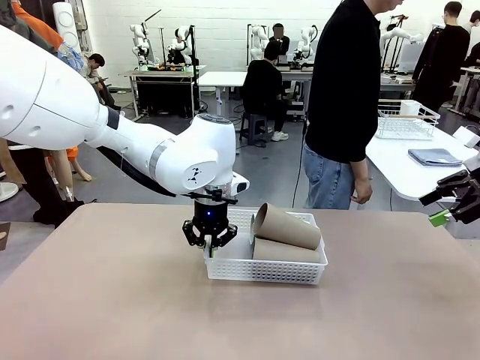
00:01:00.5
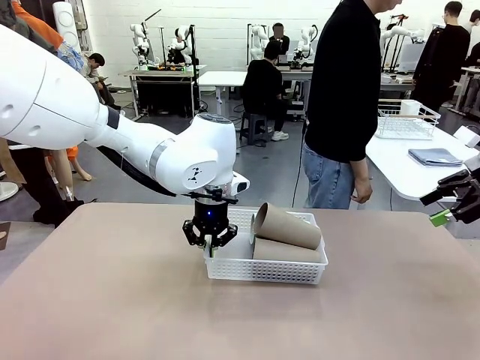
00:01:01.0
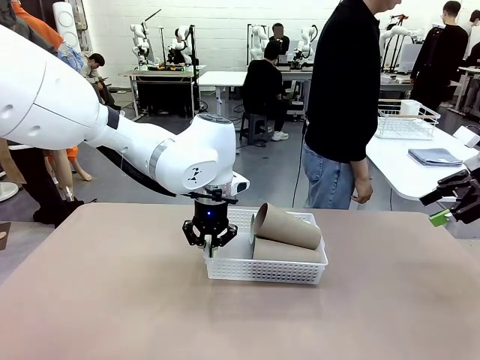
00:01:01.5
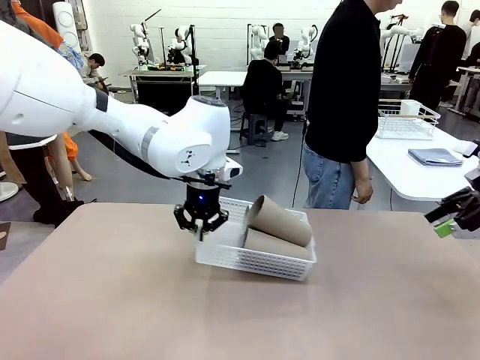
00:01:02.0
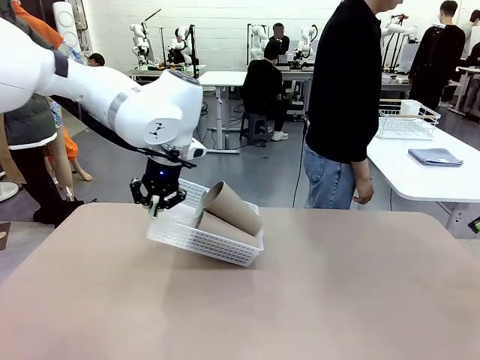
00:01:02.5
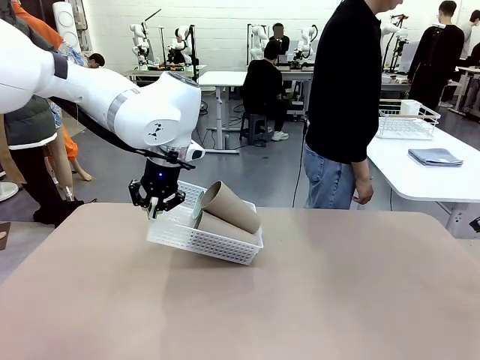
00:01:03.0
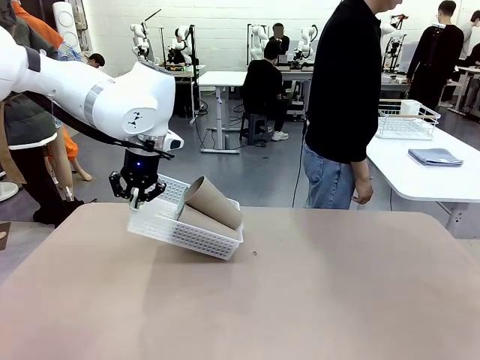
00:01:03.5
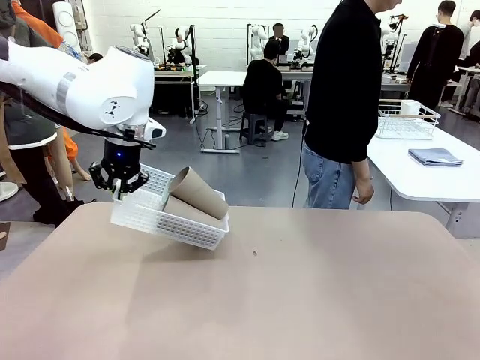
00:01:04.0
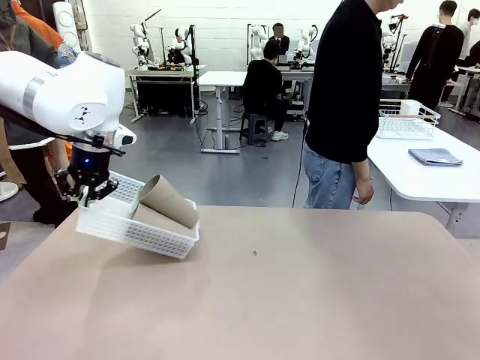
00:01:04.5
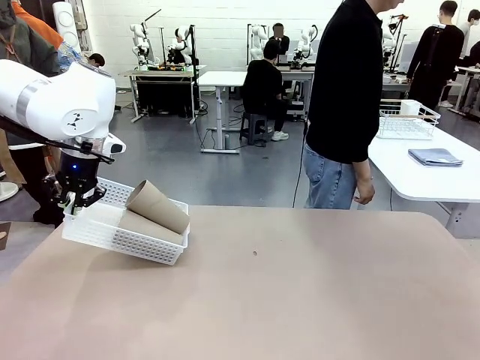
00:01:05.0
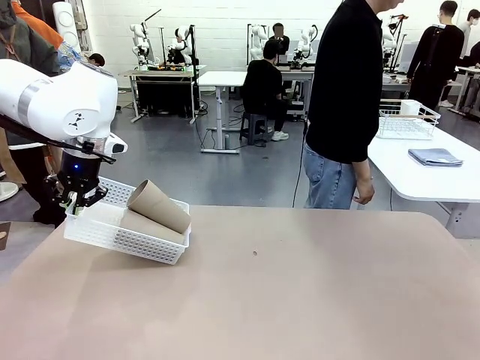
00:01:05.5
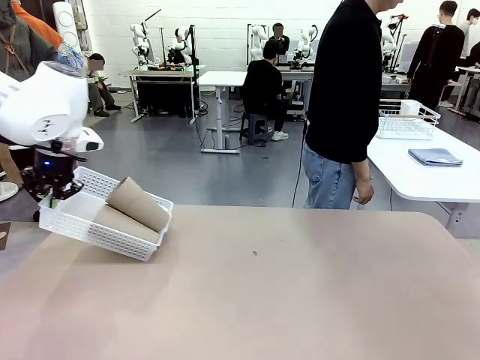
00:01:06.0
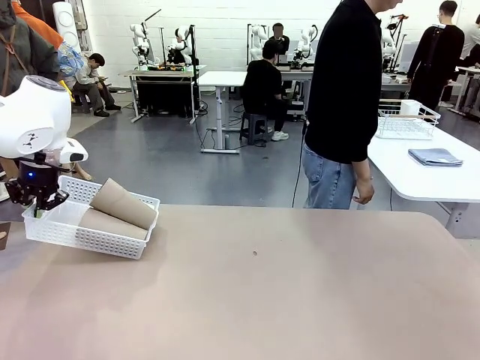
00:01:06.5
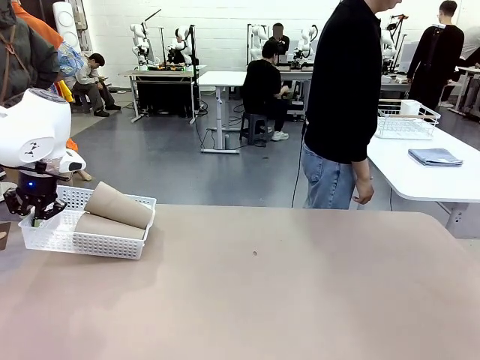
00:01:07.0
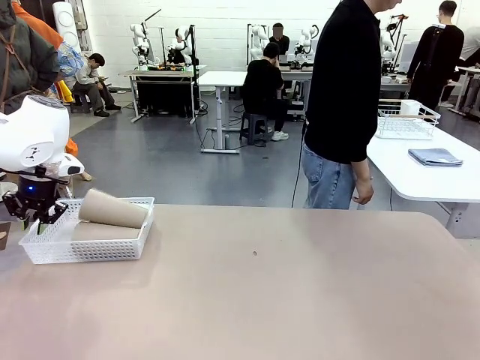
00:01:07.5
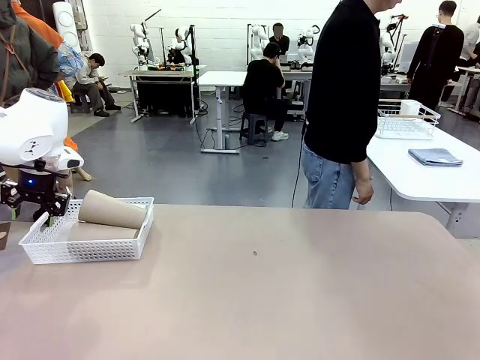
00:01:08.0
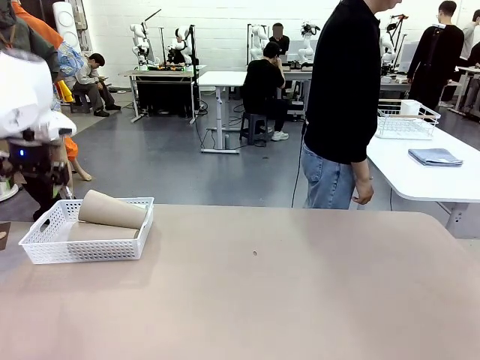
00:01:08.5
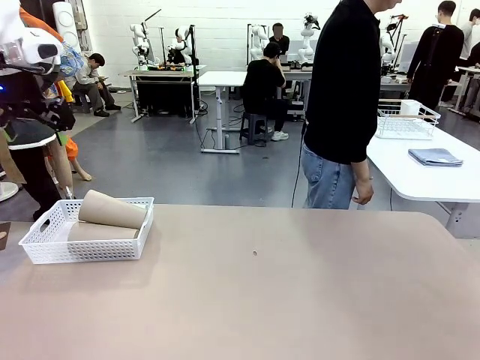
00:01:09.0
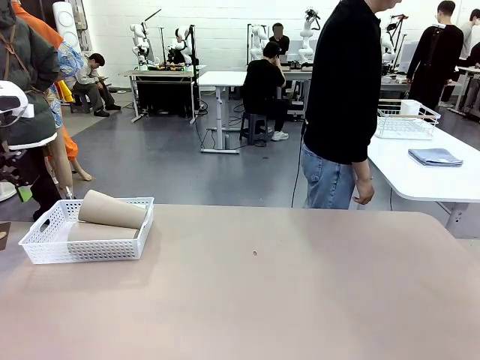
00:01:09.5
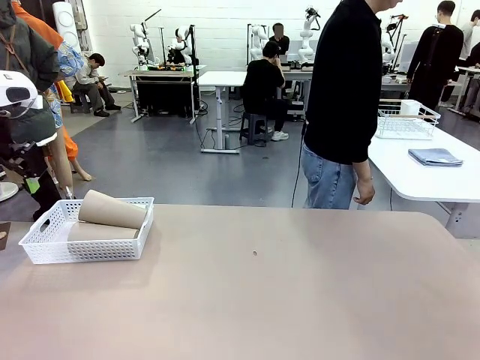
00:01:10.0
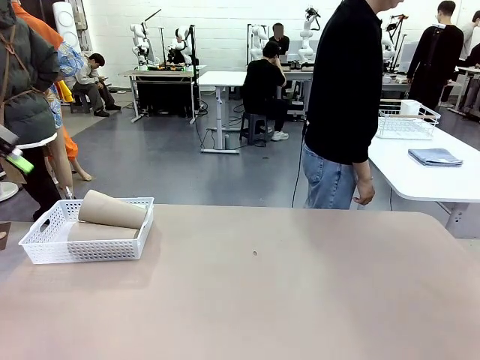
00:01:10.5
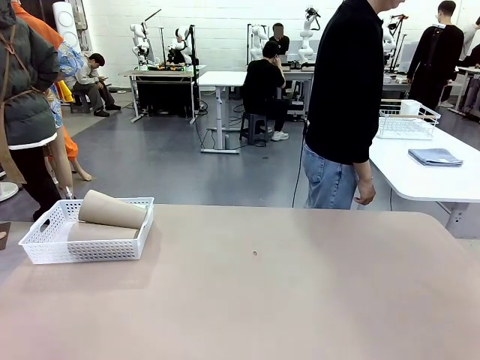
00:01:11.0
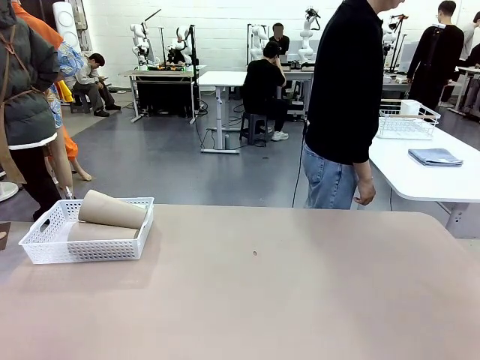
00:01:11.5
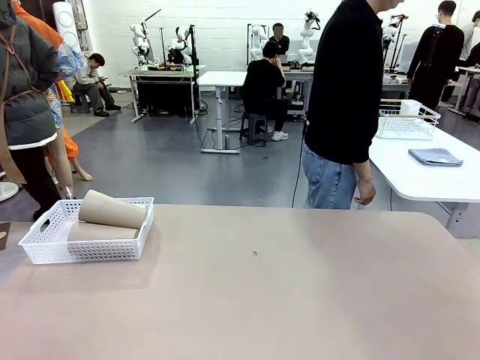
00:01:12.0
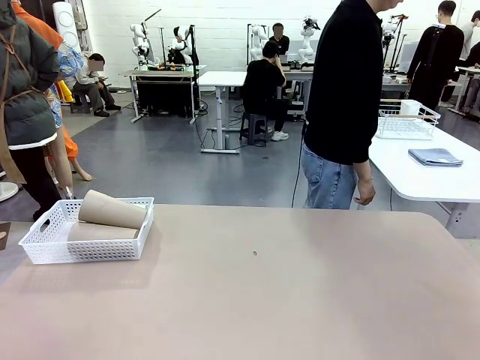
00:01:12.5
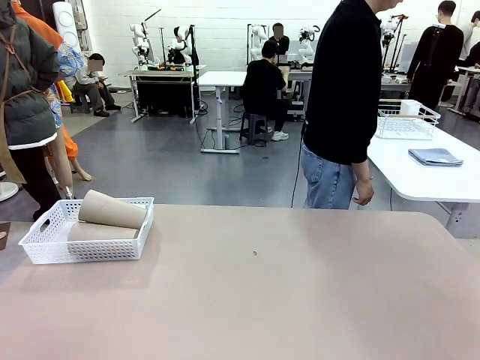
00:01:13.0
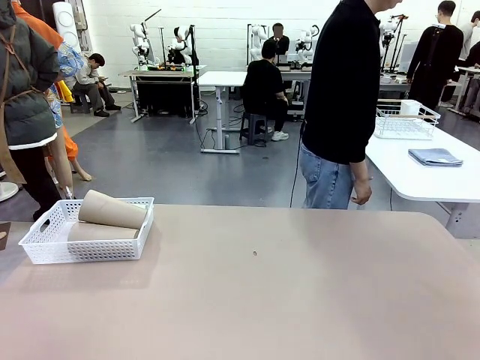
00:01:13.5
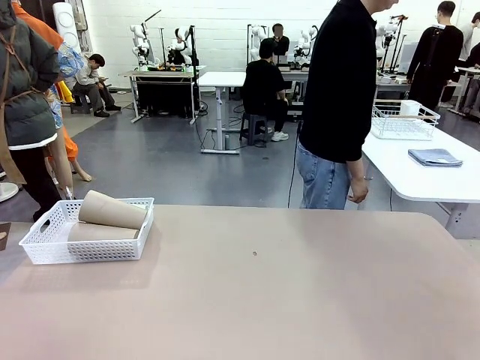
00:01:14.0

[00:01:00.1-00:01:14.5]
Task: Clean and organize the cups into the basket.
Robot: Move the Organizing basket back to the left side of the table.
Person: Folds the towel in half twice and places it in the right of the table.

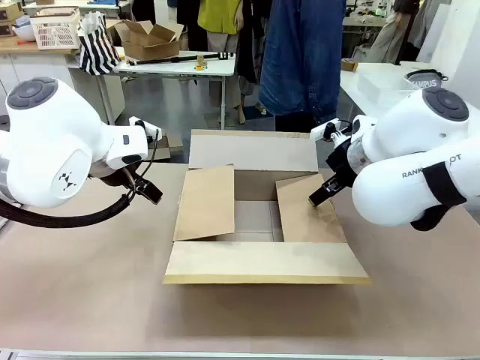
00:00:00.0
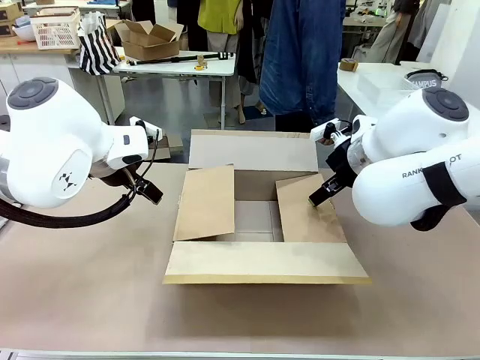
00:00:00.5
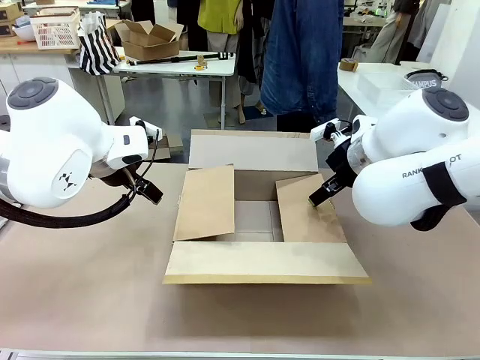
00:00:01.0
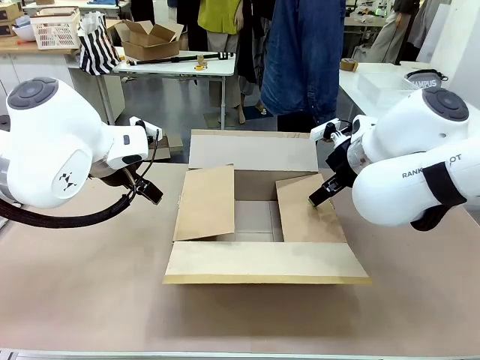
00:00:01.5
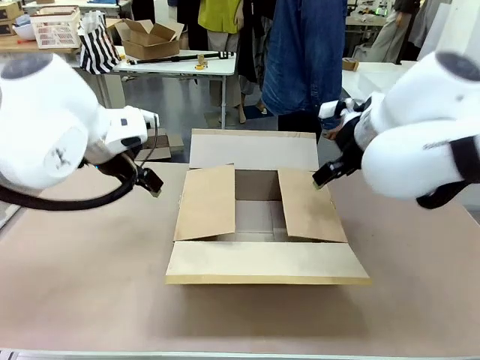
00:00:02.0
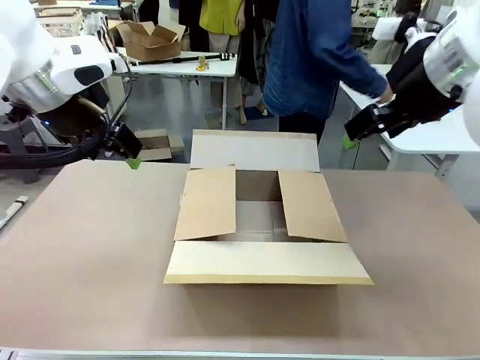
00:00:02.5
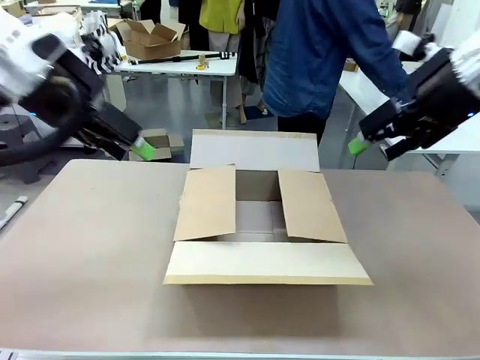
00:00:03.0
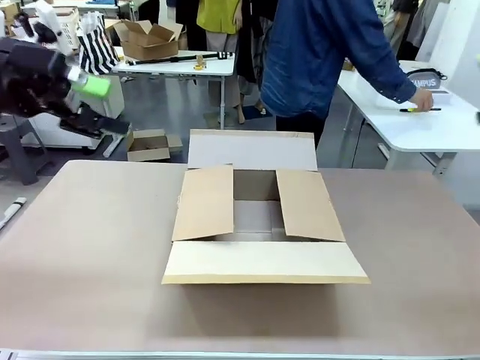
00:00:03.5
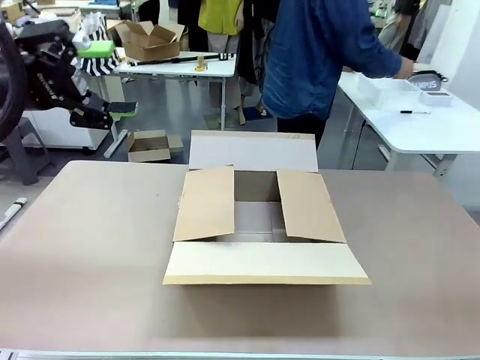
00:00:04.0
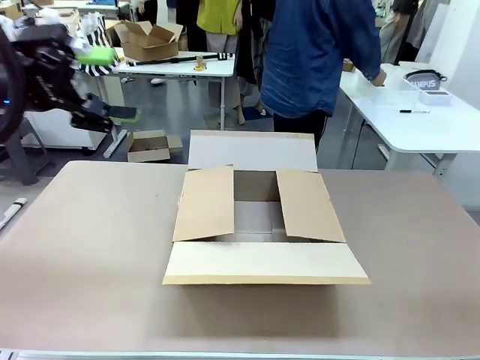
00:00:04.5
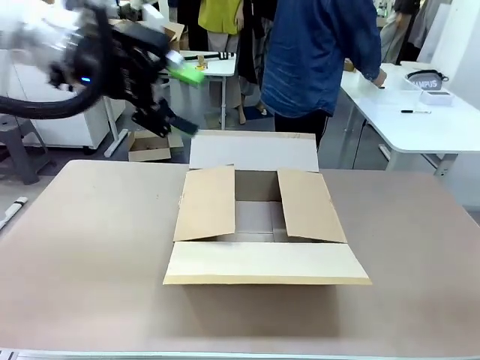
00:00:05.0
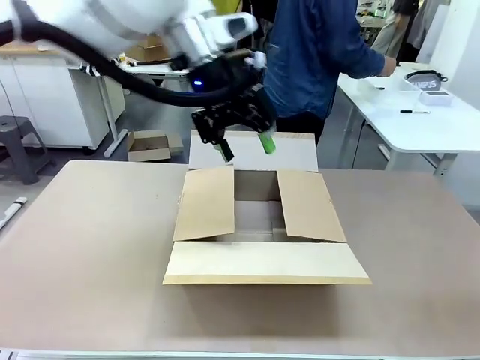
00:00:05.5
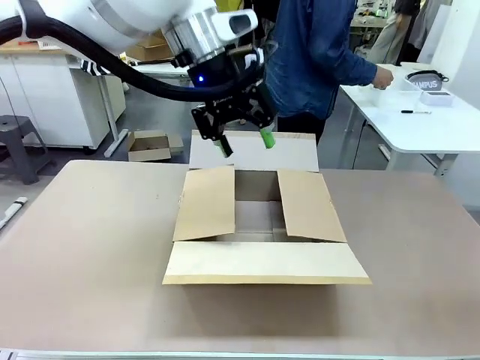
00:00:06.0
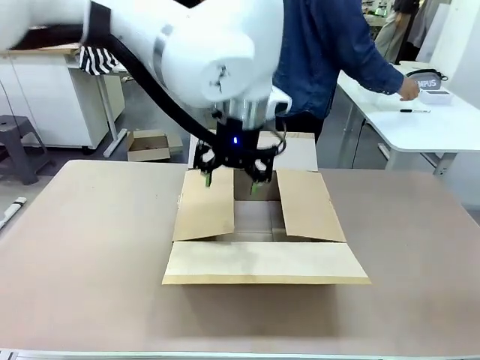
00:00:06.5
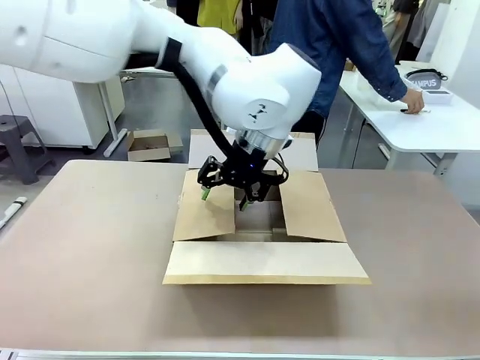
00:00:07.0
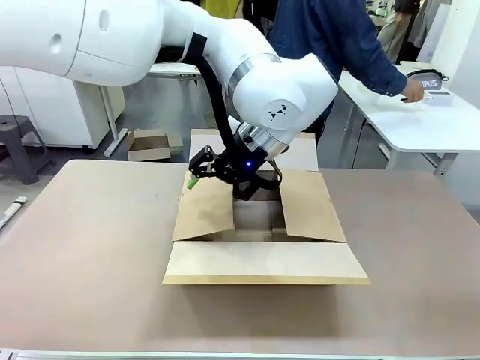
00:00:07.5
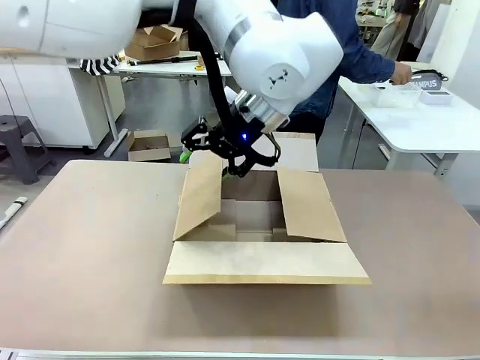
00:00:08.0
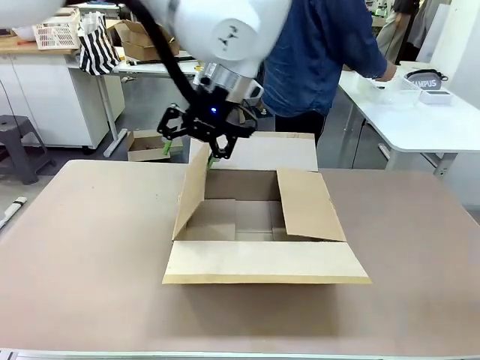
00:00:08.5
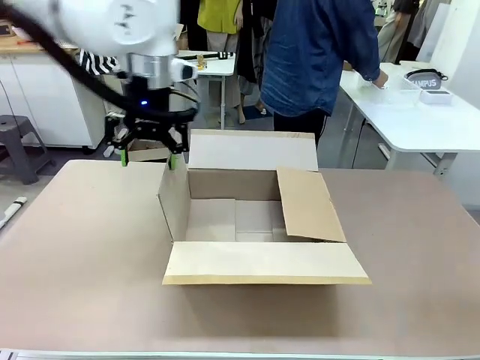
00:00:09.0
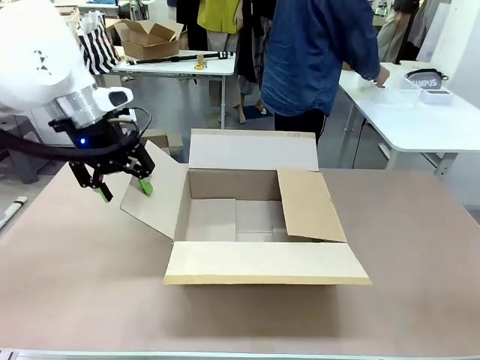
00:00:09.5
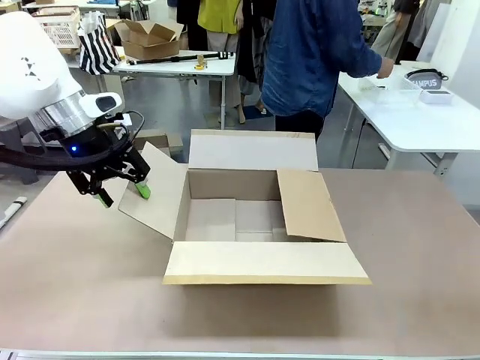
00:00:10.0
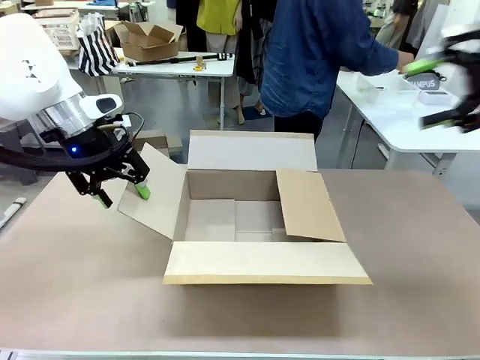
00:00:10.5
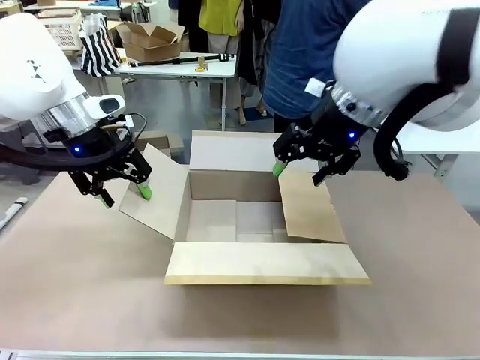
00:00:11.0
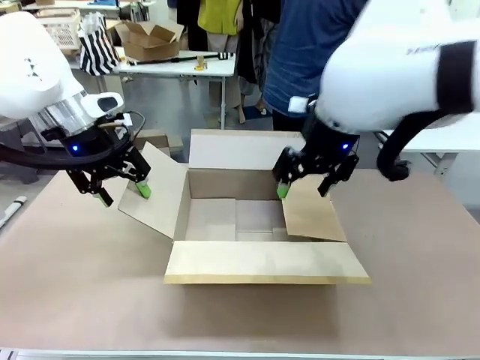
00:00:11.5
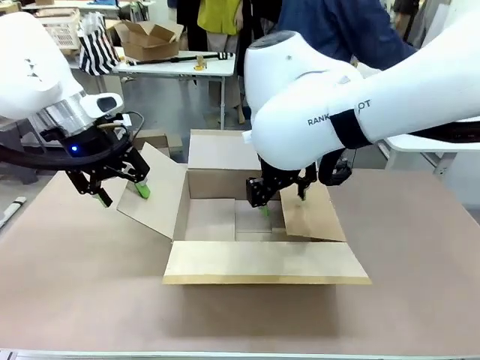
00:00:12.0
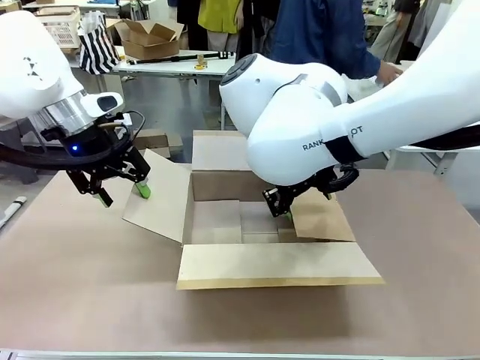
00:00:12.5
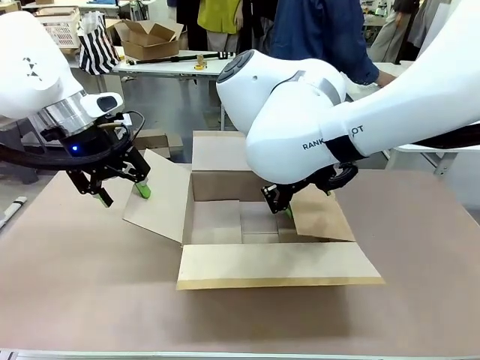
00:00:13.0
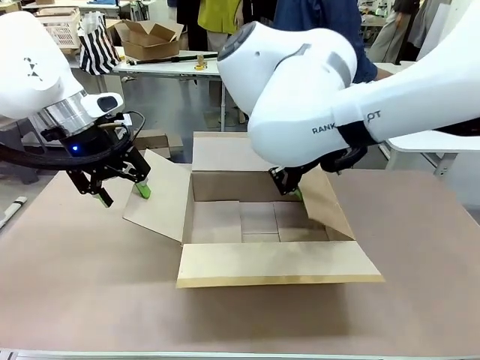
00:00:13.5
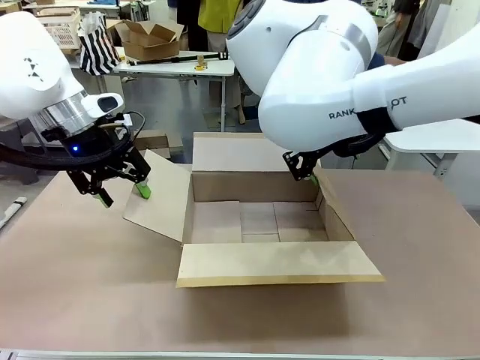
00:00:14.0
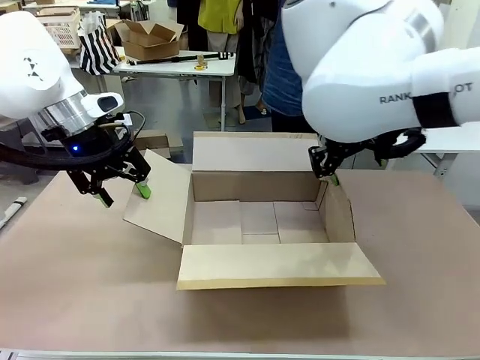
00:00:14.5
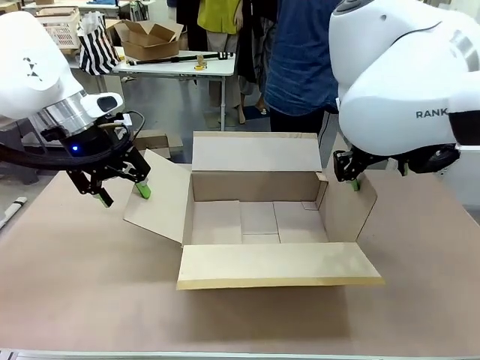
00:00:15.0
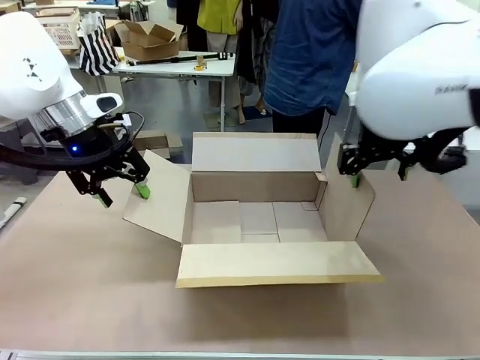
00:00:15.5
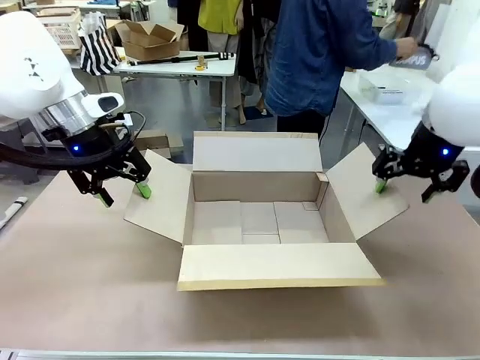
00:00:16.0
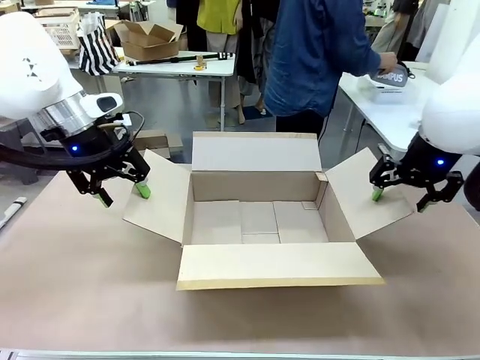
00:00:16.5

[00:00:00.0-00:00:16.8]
Task: Pack the gift set into the box.
Robot: Place both hands on the side flaps of the Package Box and spread them outward.
Person: The human places all items except the paper tape into the organizing basket.
